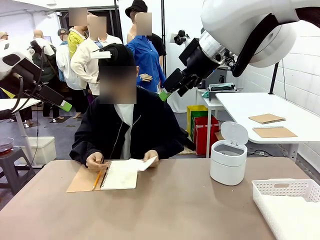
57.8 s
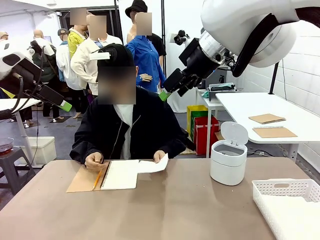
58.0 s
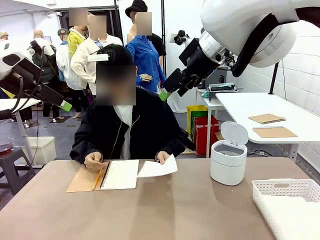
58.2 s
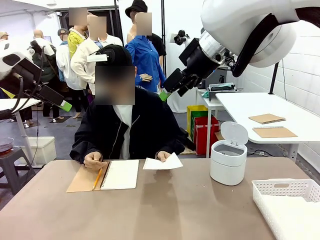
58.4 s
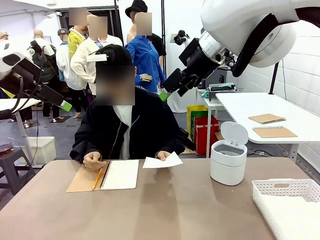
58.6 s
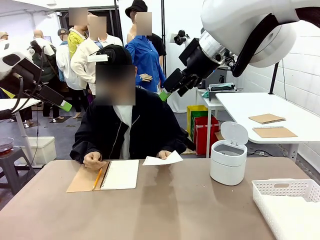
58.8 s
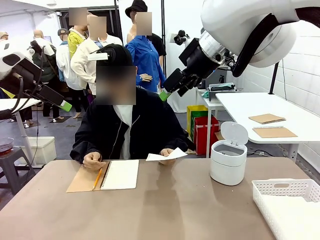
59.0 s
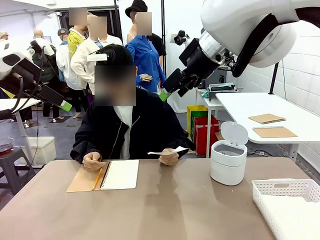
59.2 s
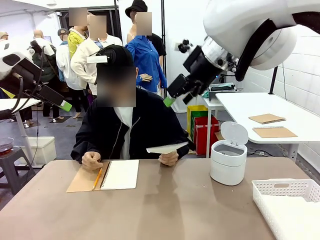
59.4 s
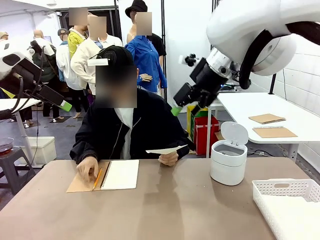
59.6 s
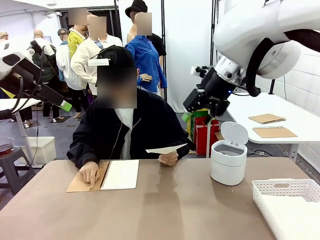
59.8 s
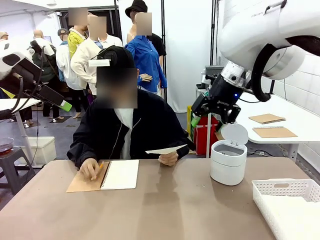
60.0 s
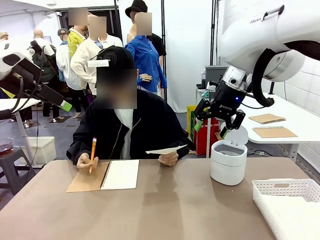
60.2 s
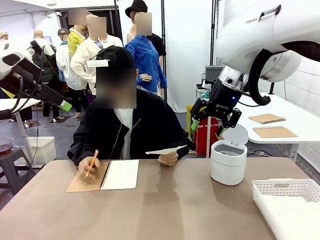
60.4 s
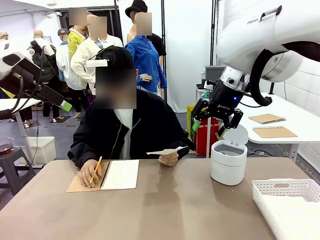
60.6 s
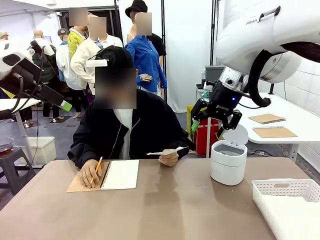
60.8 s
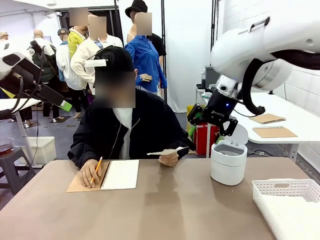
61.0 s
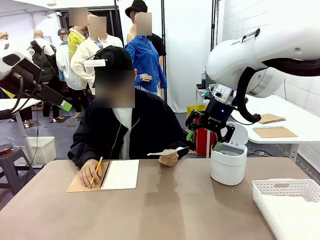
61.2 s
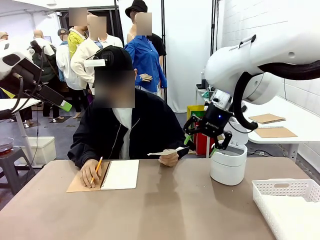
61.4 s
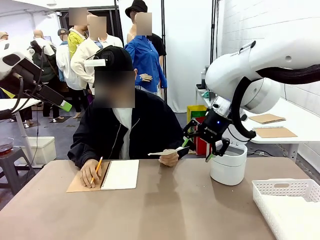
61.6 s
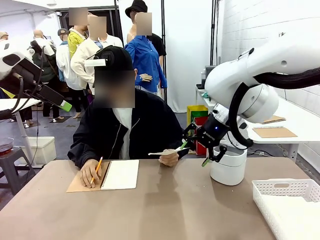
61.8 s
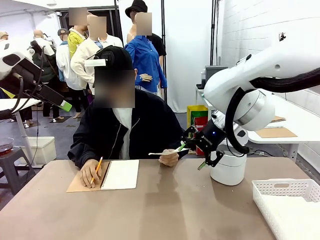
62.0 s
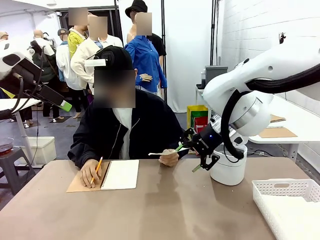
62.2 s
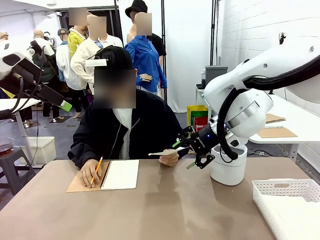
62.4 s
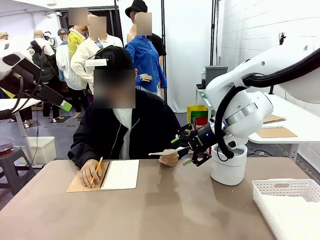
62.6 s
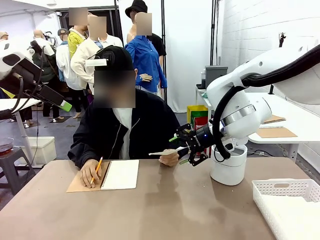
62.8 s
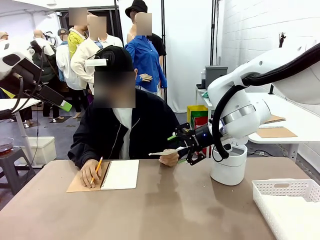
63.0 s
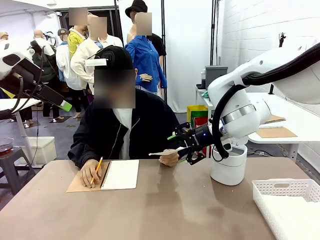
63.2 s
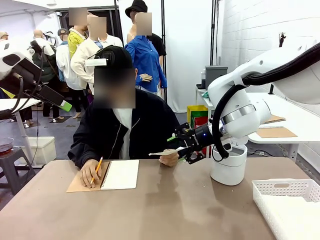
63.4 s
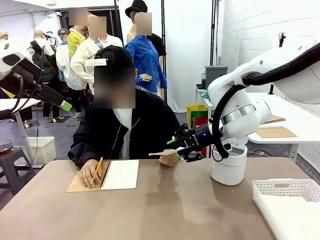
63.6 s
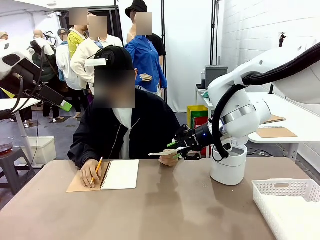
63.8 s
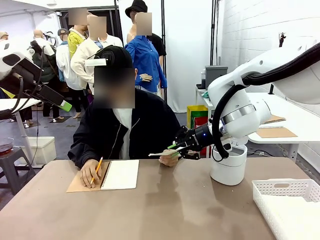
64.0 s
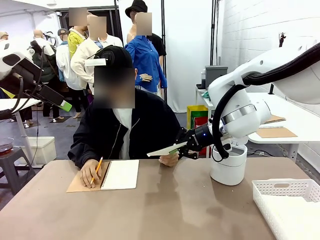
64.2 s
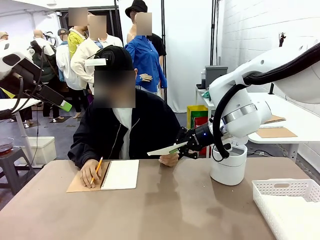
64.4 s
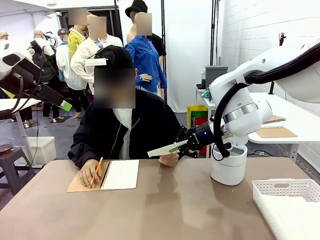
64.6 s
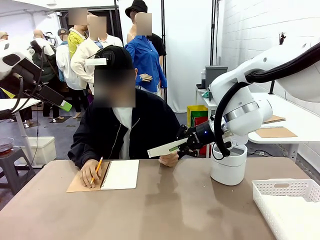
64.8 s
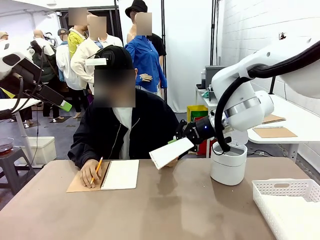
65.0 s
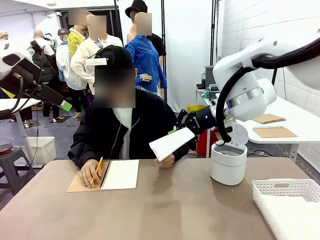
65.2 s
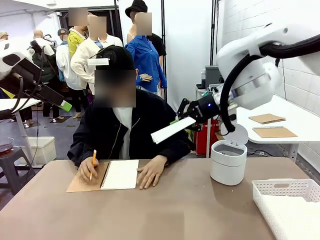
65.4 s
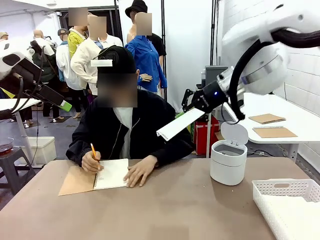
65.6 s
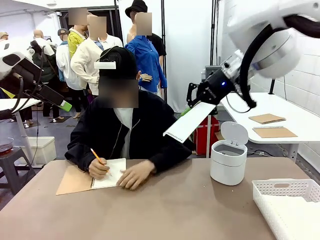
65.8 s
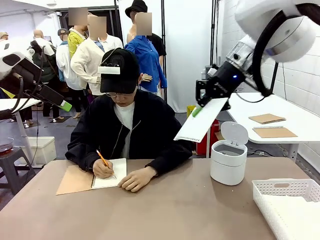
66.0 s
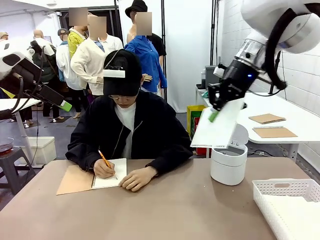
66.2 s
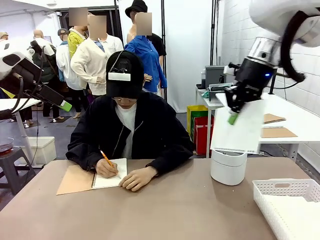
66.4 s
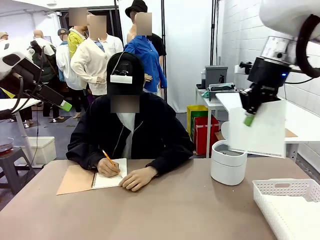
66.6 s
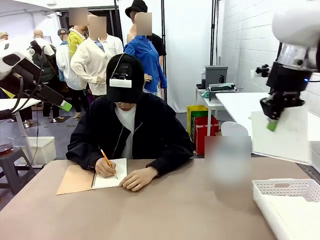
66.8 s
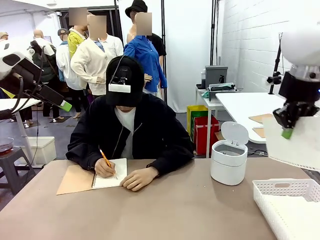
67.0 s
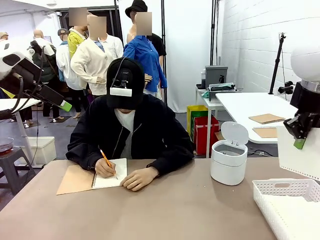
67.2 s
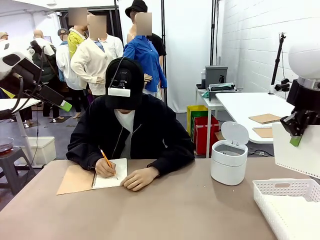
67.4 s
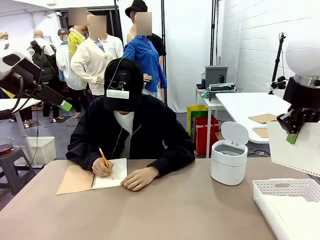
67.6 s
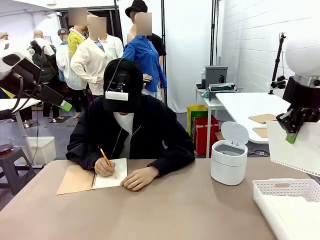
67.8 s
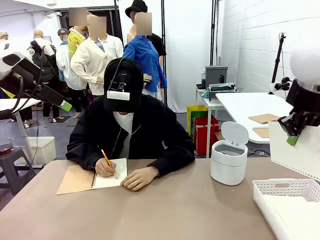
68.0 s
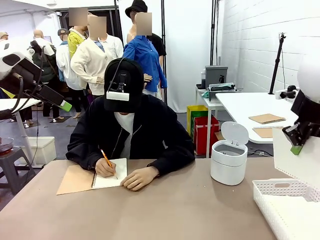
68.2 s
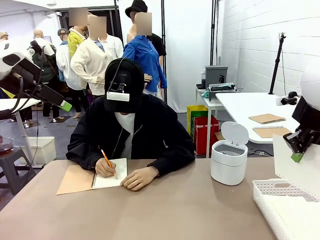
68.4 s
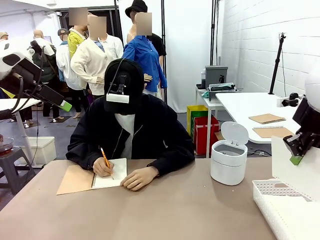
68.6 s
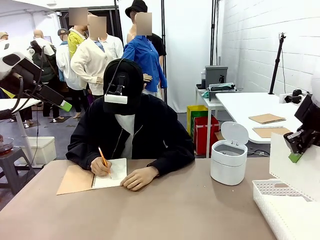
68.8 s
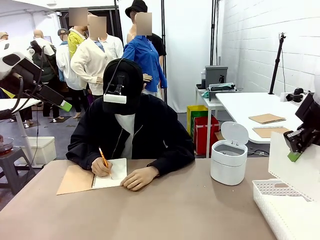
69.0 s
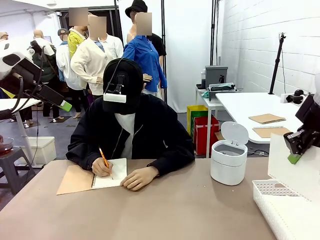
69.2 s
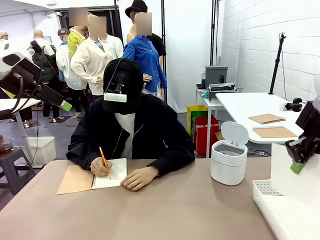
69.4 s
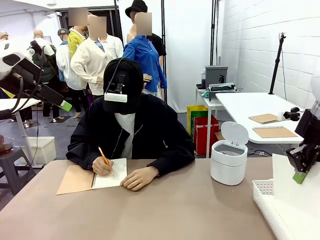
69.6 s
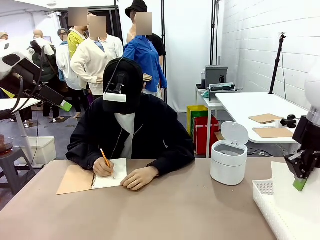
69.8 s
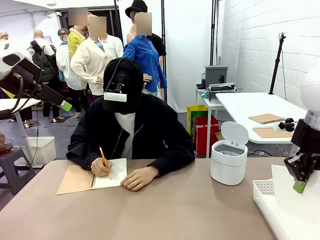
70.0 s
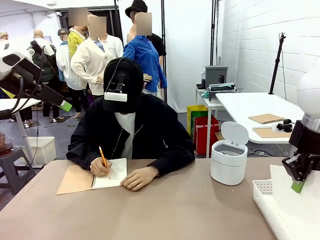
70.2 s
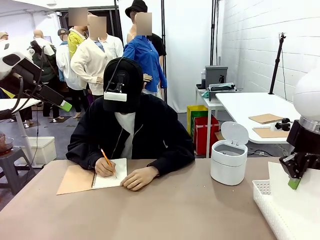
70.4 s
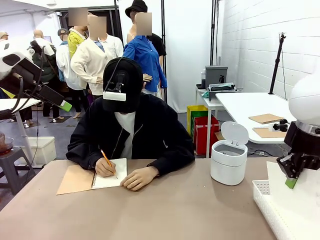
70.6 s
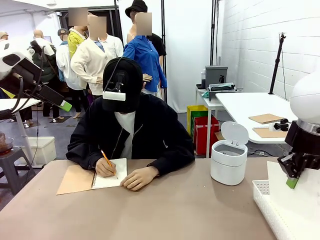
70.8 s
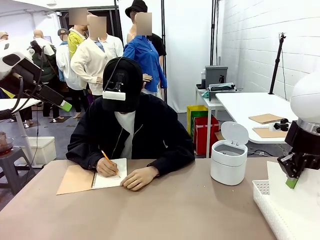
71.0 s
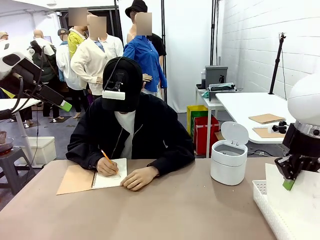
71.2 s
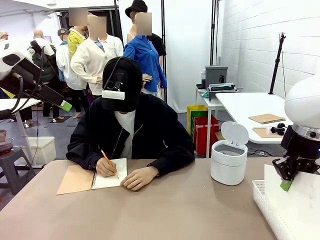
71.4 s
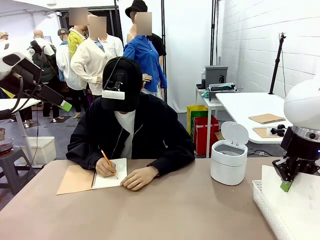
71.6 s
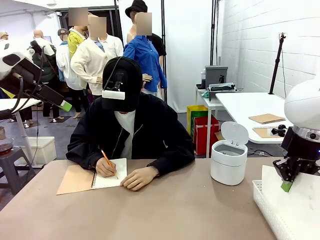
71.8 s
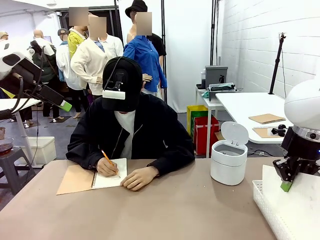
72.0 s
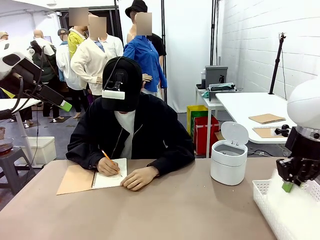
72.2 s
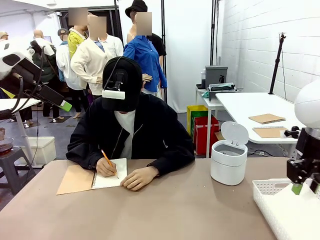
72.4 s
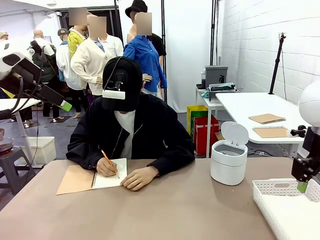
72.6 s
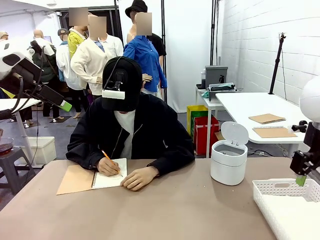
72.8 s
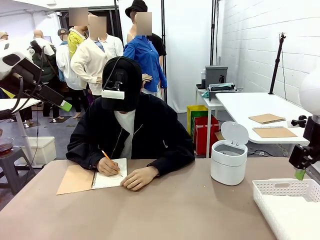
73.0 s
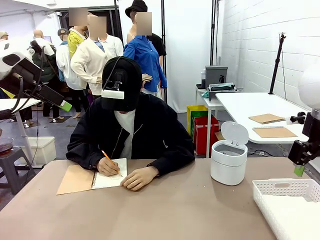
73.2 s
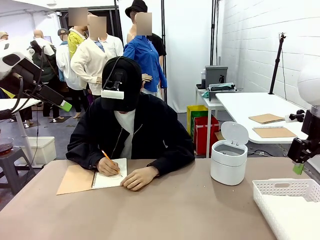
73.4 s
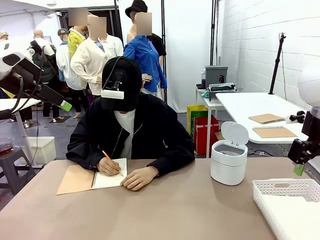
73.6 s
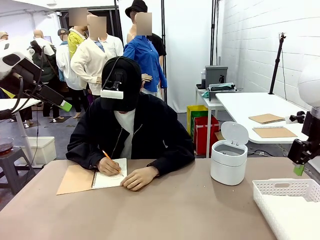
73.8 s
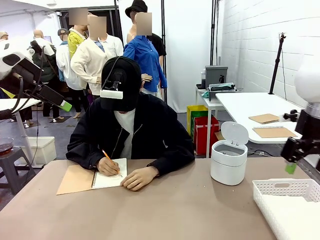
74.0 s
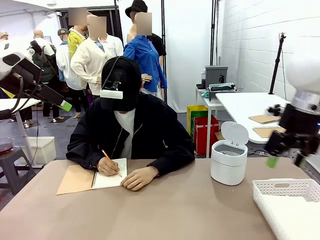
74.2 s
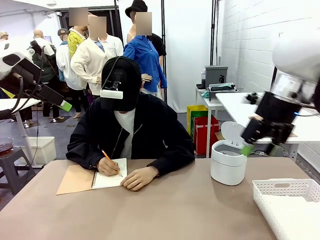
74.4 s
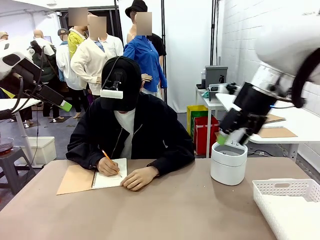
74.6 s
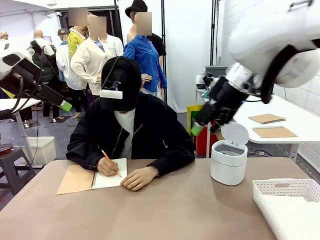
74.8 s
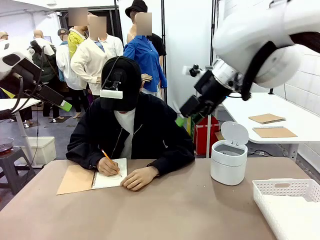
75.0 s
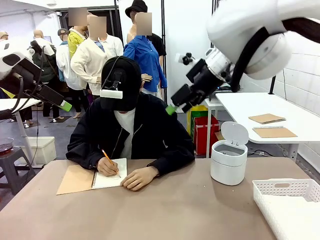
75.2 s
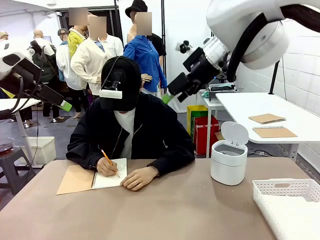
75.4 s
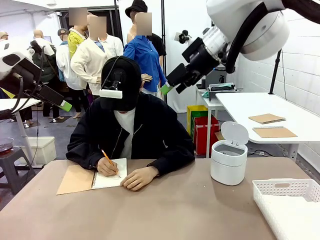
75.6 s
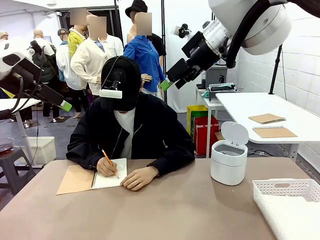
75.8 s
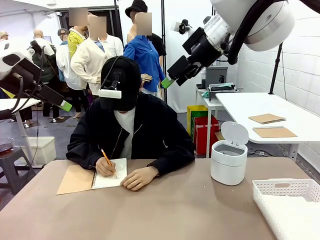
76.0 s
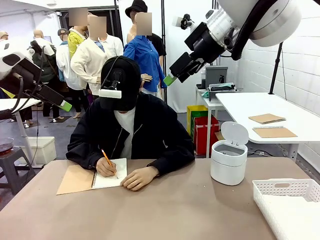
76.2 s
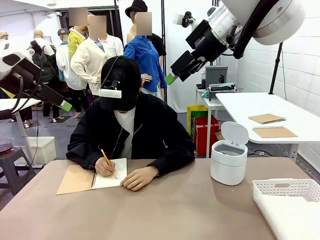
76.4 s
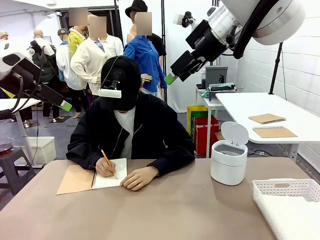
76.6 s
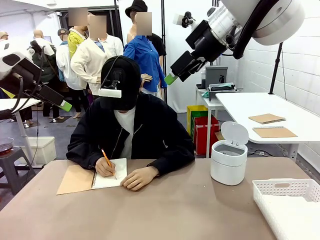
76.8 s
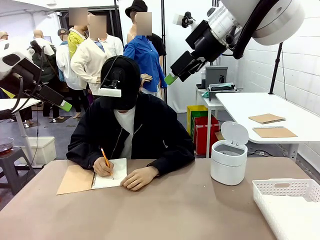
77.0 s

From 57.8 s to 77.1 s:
Task: Sort the paper based on its condition.
Robot: If a person hands you a paper, place it in the Organizing basket , and if it's crumpled, put it in the Trash can.
Person: Hand the torn page to the robot or crumple it and throw it to the center of the table.
